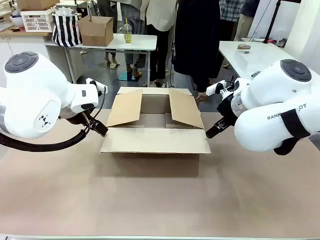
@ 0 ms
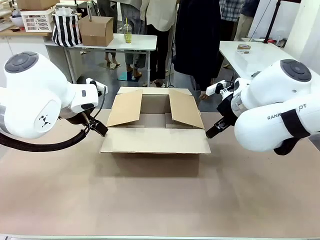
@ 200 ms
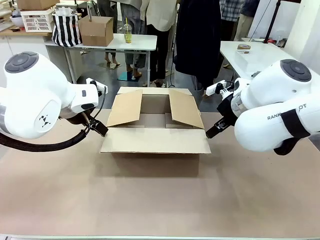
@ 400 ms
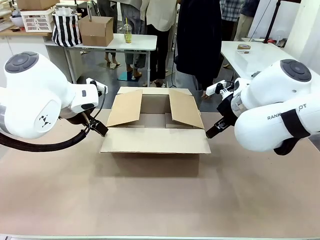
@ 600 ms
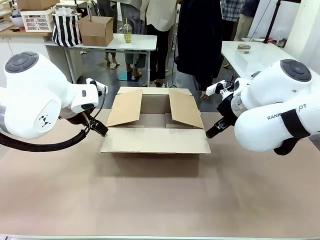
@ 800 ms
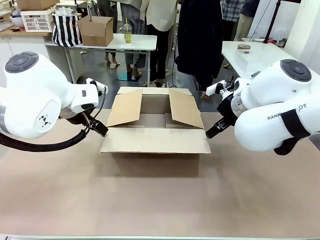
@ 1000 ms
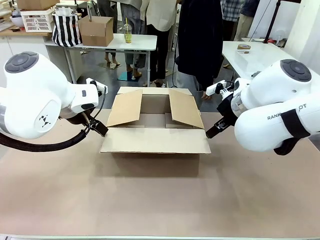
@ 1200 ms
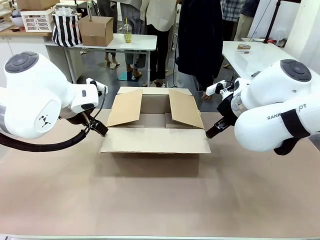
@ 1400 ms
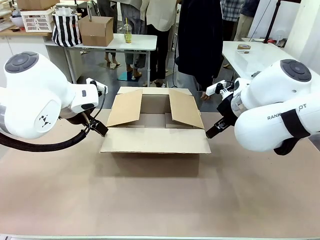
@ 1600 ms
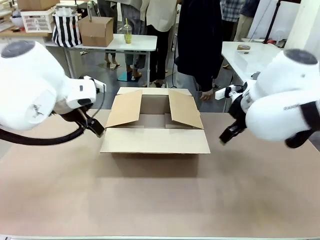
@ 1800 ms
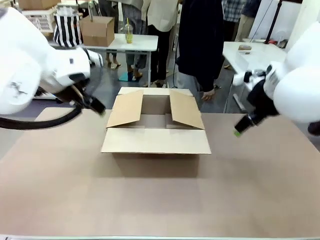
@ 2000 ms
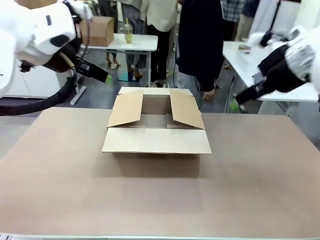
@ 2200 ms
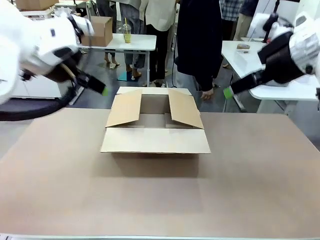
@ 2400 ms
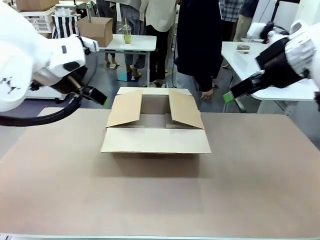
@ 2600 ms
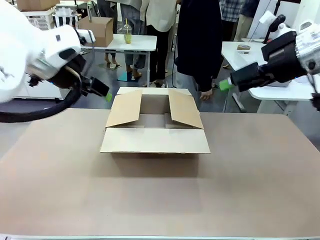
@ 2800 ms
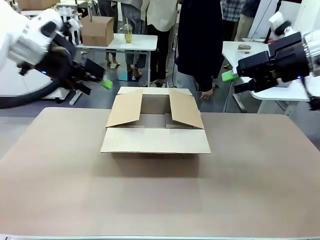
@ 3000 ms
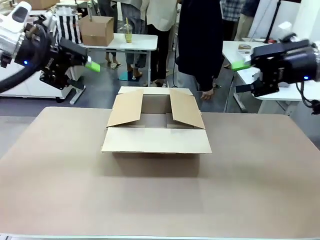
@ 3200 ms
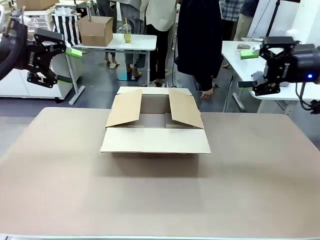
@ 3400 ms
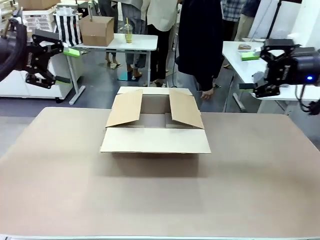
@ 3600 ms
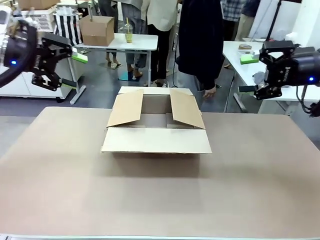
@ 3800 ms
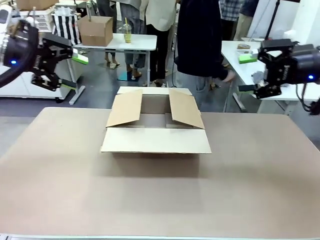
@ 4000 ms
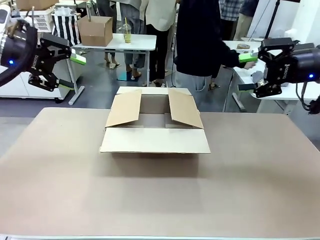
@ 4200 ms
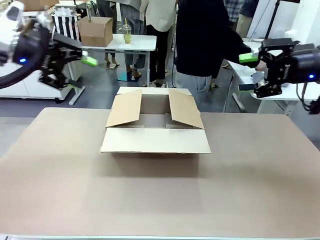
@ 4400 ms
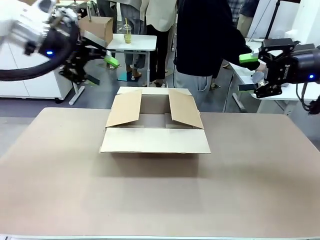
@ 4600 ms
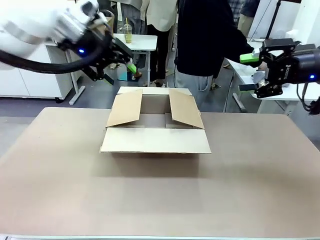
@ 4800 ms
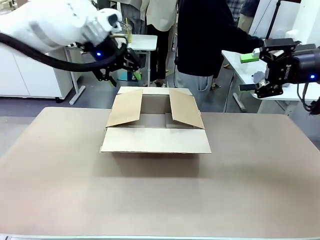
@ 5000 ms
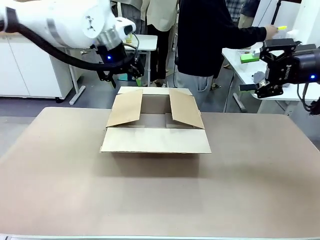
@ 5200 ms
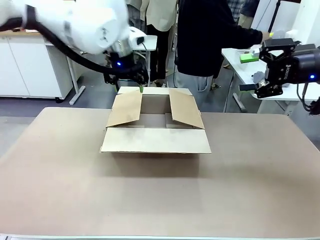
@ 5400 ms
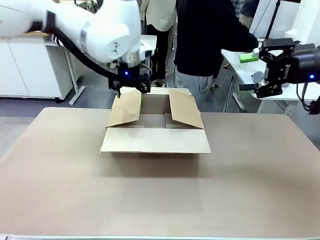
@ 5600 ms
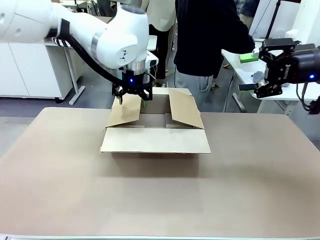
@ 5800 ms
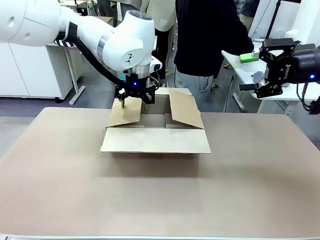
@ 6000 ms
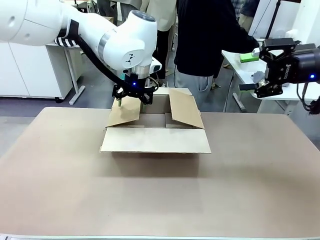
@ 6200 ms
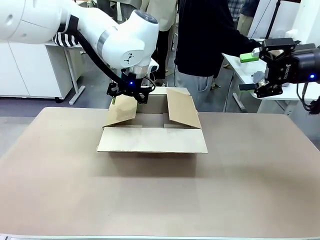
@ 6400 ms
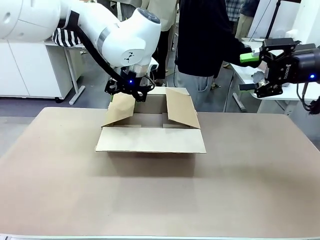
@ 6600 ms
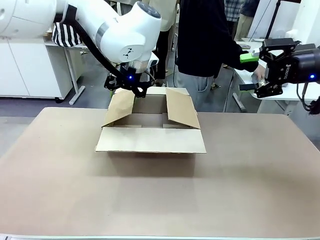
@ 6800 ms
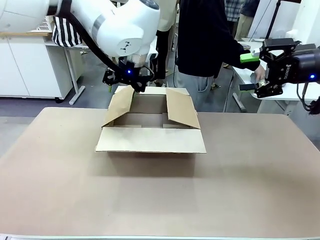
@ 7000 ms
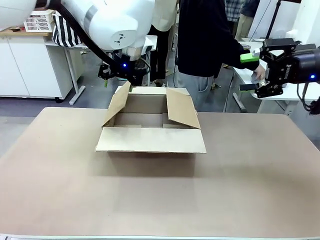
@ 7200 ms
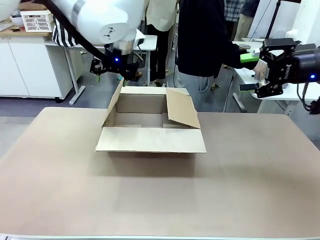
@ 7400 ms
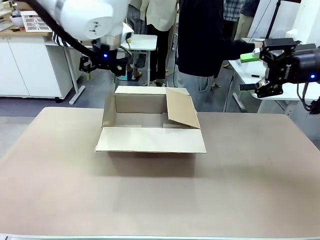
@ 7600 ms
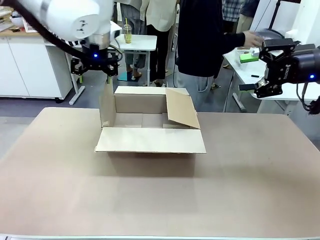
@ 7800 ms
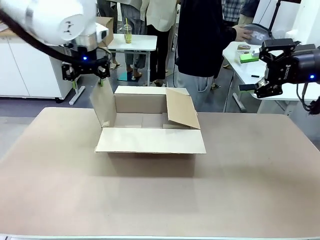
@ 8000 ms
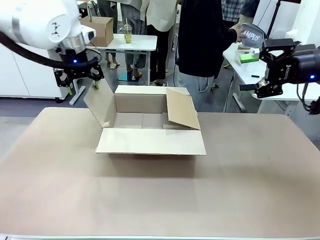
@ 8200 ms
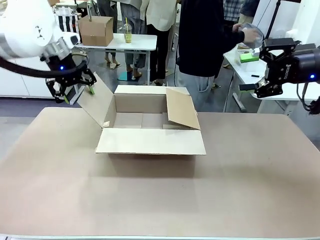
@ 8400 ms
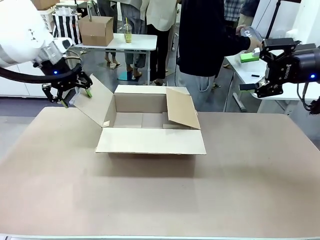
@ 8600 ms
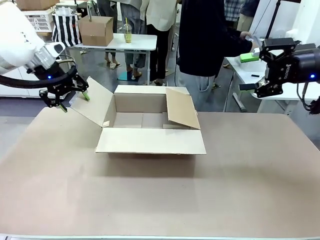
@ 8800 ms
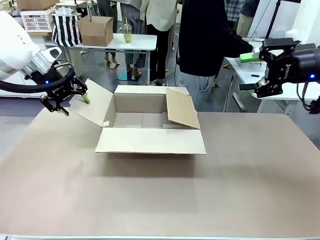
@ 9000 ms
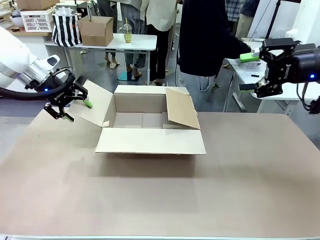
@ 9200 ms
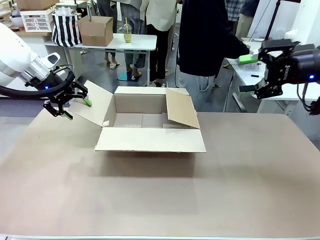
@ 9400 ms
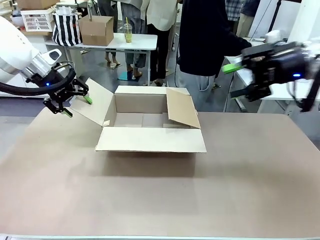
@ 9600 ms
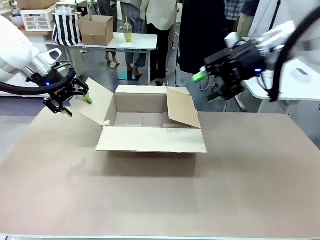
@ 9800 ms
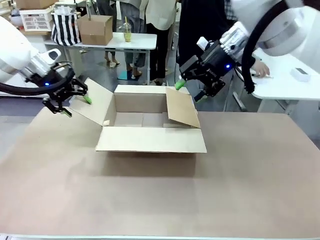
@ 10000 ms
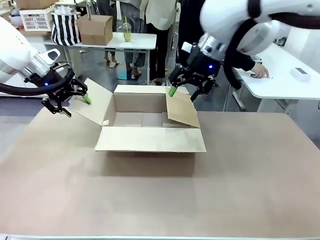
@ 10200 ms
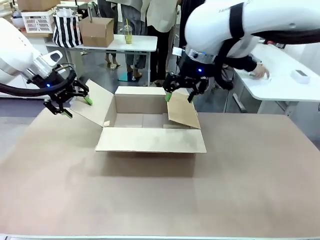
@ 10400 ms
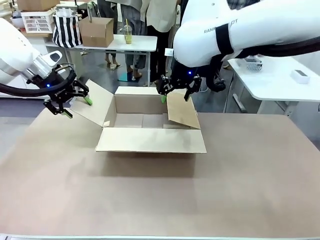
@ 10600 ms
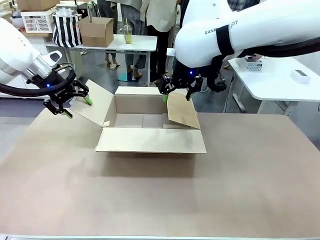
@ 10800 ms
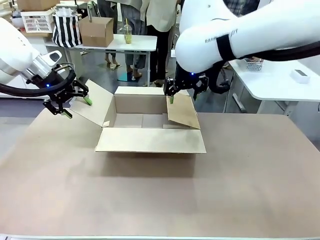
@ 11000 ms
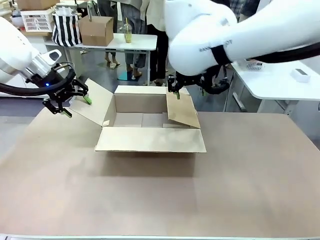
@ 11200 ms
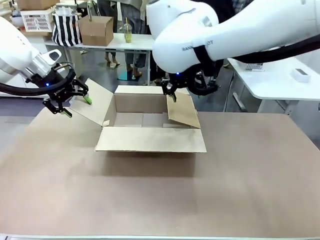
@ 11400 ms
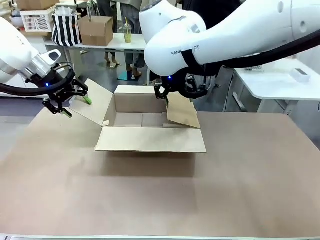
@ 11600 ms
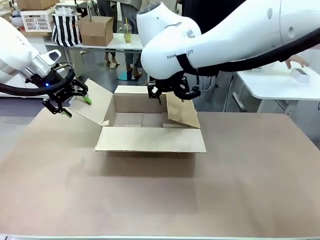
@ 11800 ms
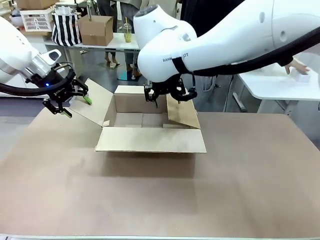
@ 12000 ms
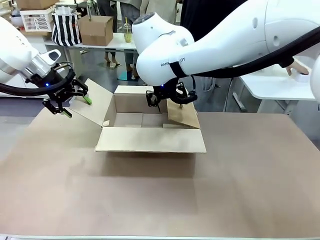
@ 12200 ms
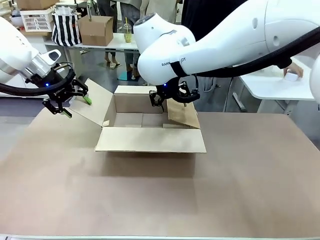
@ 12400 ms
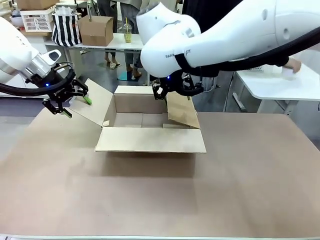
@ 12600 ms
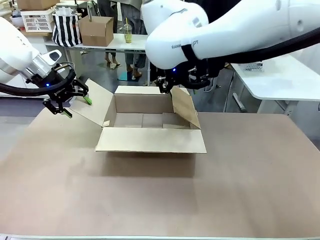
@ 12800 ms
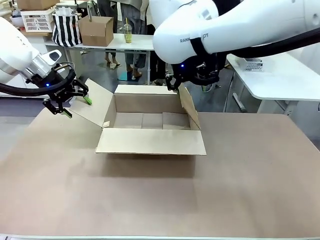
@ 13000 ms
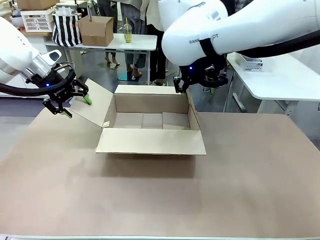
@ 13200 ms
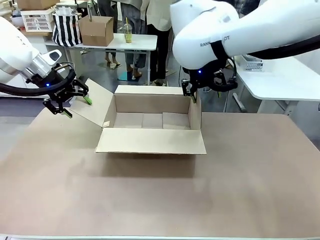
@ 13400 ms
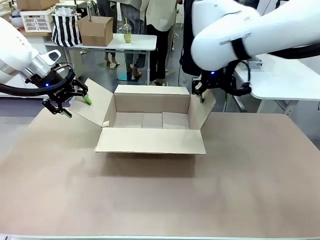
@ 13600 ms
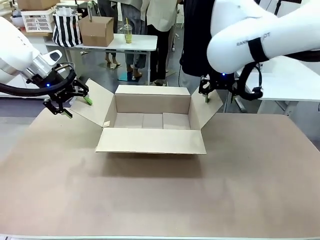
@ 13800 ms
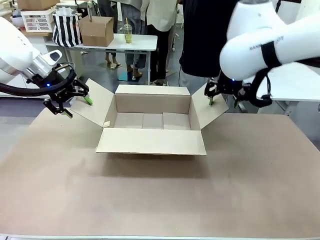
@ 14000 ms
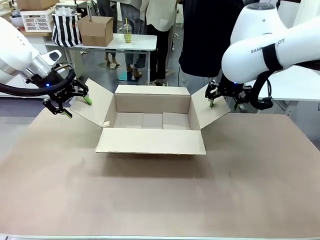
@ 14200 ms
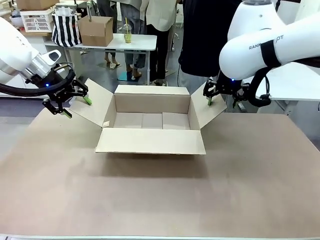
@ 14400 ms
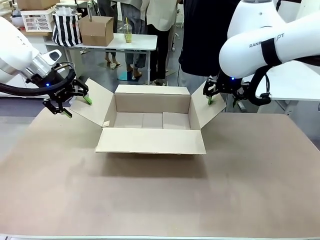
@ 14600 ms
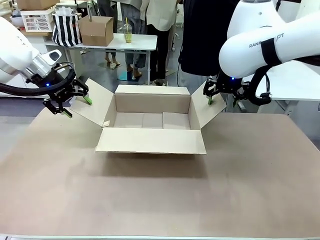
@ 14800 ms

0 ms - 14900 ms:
Task: Pack the gift set into the box.
Robot: Place both hands on the side flaps of the Package Box and spread them outward.
Person: The human places all items except the paper tape into the organizing basket.

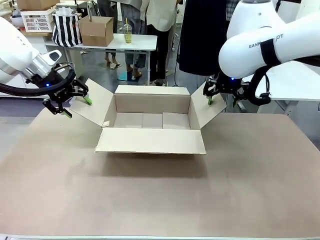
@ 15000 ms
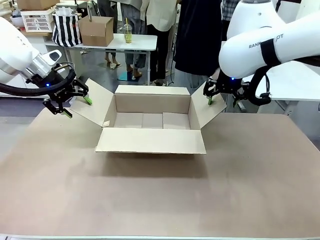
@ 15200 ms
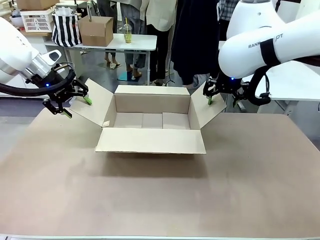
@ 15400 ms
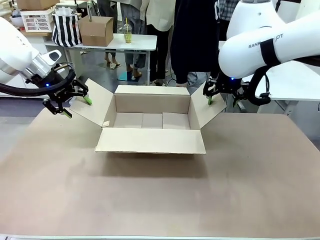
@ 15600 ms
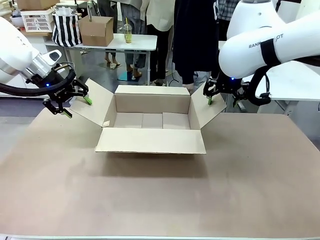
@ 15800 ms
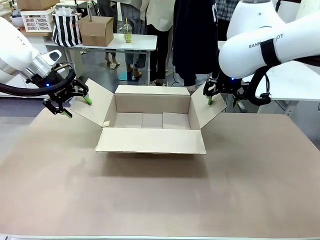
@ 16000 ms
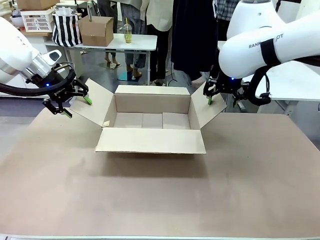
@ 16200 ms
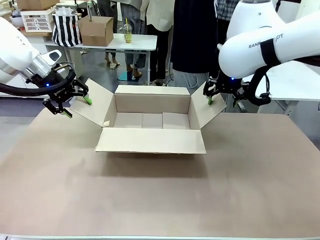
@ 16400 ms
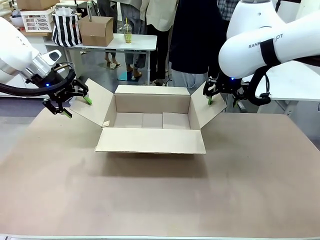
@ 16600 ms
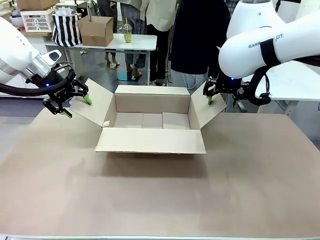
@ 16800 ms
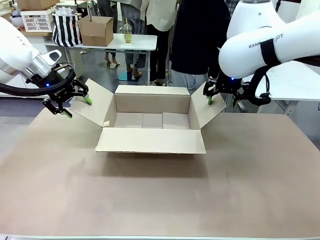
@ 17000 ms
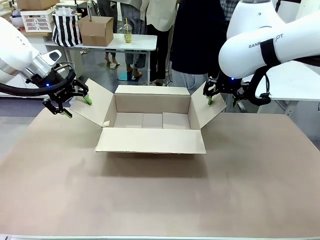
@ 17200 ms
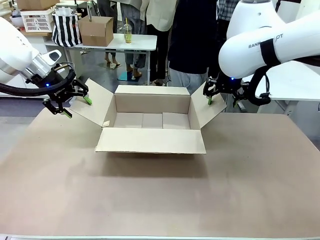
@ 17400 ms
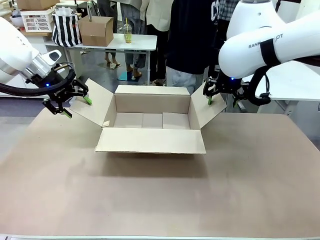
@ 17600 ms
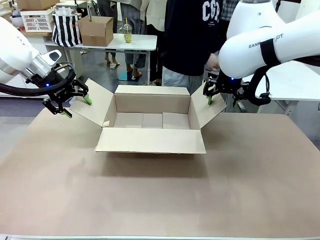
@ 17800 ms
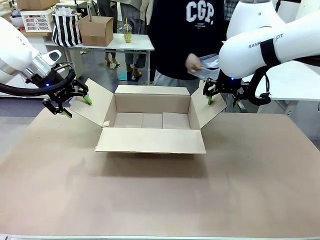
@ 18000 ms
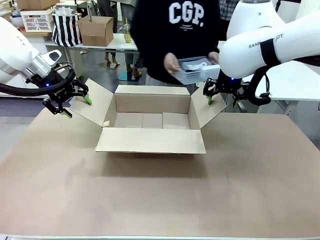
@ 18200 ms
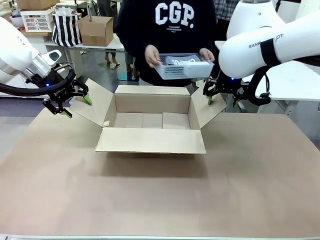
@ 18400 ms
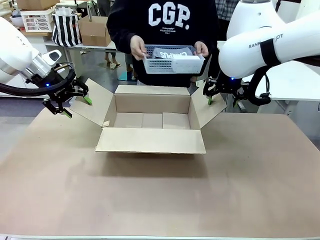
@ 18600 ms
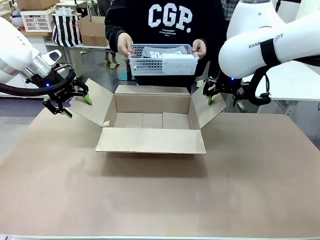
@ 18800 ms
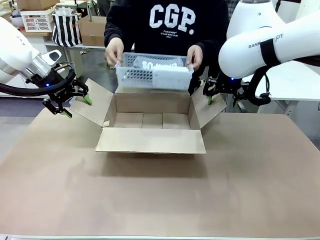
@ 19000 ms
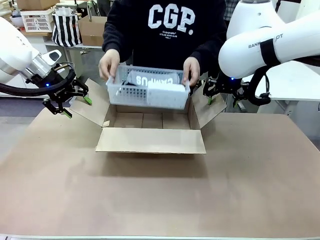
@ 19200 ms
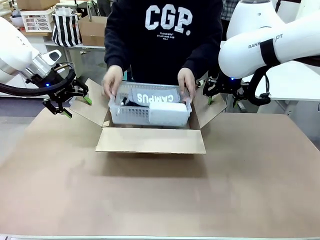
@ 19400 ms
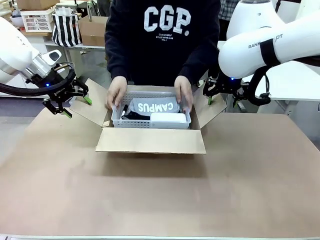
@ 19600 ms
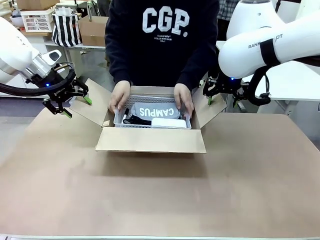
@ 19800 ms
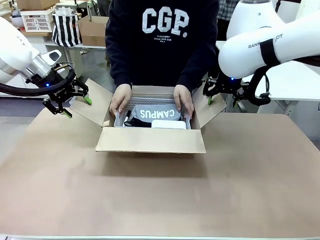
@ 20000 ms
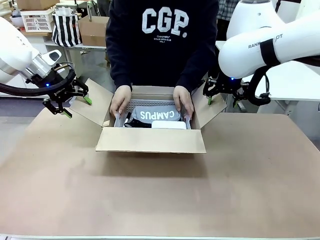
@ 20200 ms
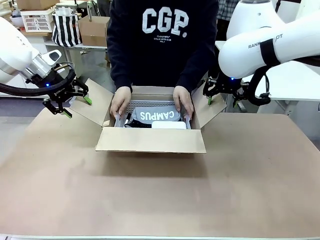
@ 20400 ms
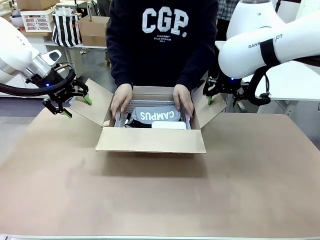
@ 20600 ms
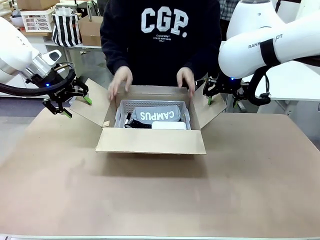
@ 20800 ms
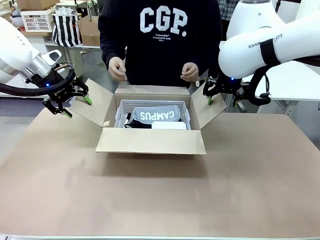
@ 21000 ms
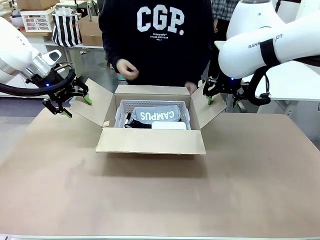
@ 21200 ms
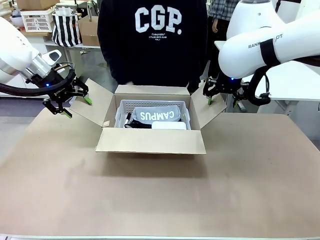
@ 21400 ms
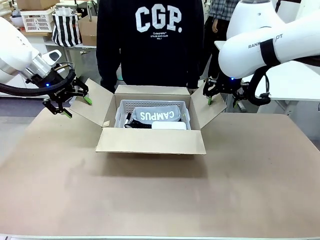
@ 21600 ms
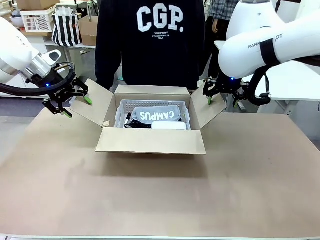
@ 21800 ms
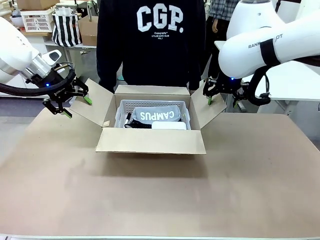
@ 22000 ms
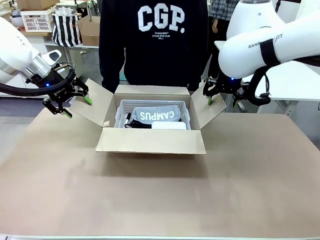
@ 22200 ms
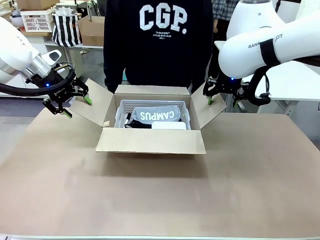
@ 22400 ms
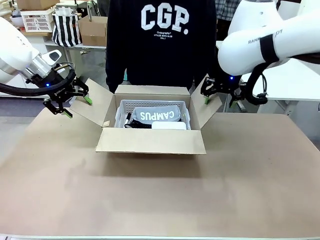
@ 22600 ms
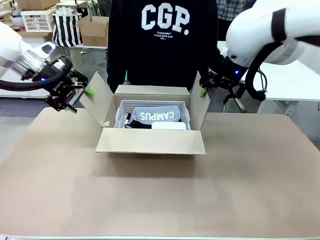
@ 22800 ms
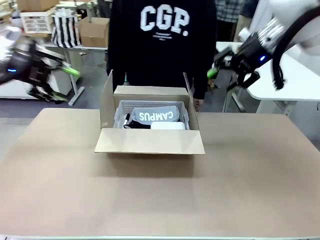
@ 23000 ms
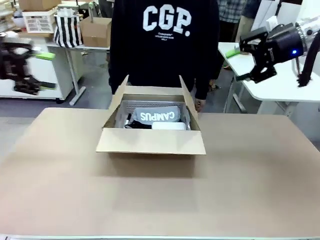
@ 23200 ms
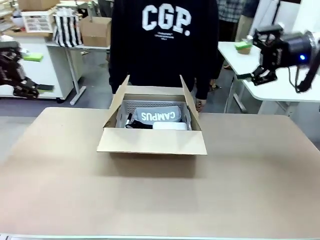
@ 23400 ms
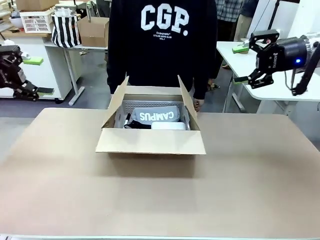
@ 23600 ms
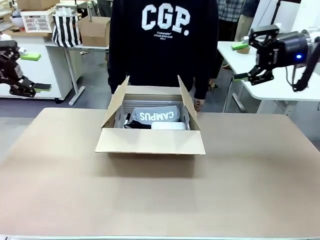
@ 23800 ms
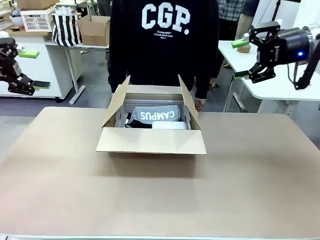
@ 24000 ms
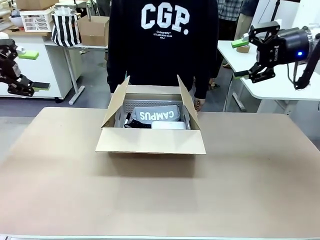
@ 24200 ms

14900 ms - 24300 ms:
Robot: Lift both hands away from the flaps of the Package Box.
Person: The human picks up the organizing basket and places the organizing basket into the package box on the robot table.
